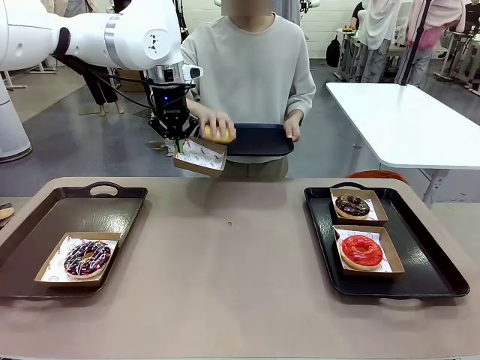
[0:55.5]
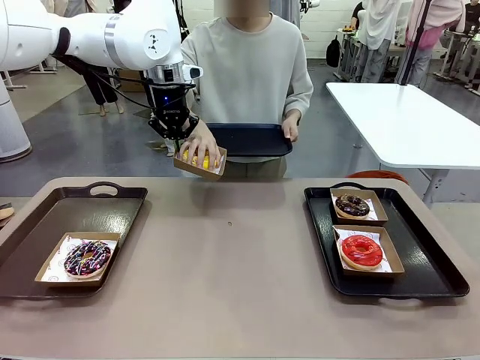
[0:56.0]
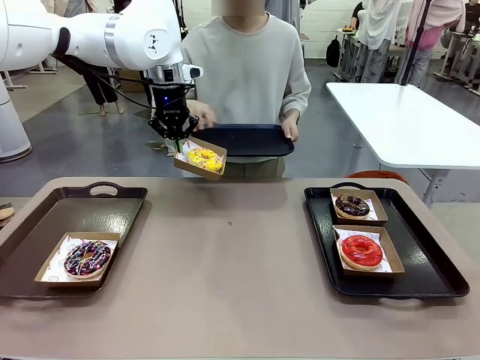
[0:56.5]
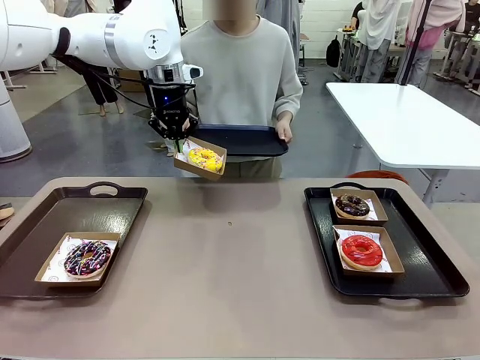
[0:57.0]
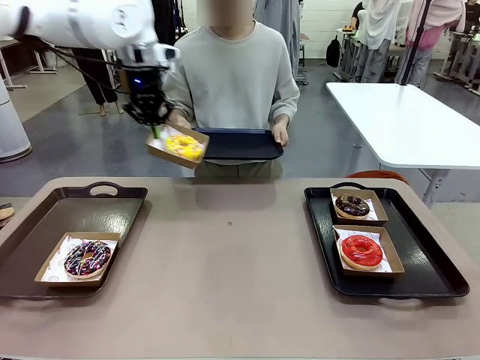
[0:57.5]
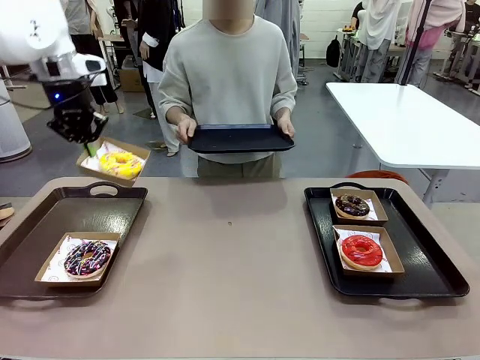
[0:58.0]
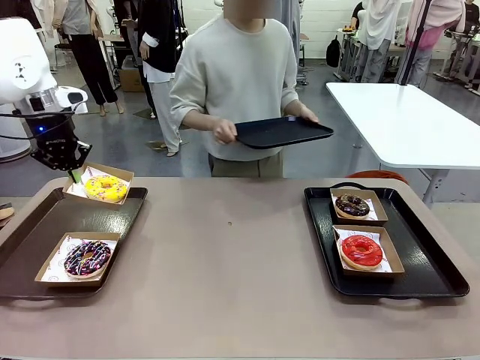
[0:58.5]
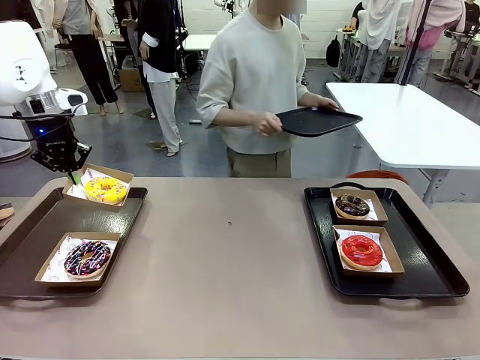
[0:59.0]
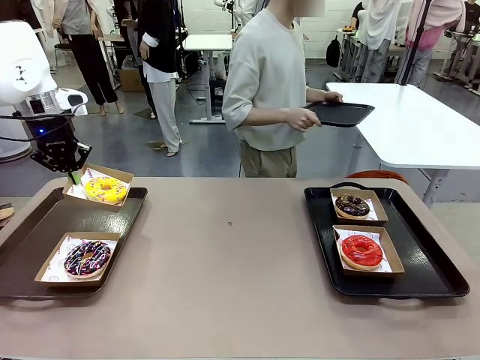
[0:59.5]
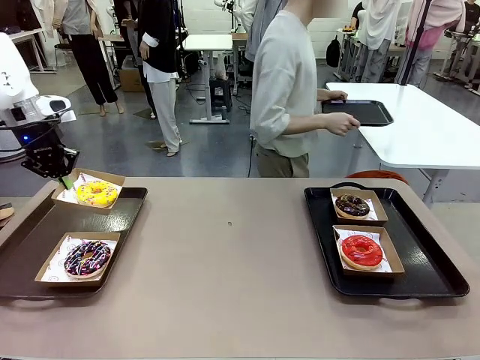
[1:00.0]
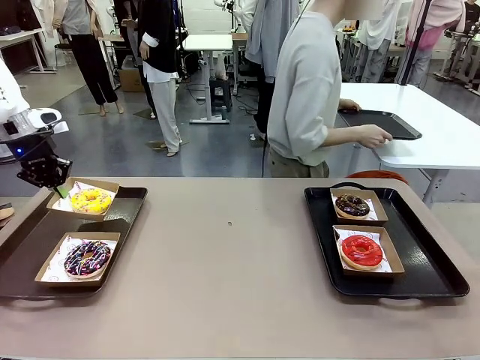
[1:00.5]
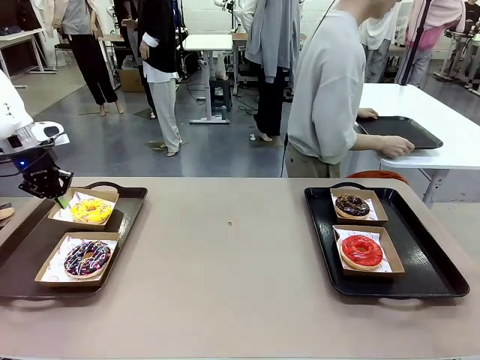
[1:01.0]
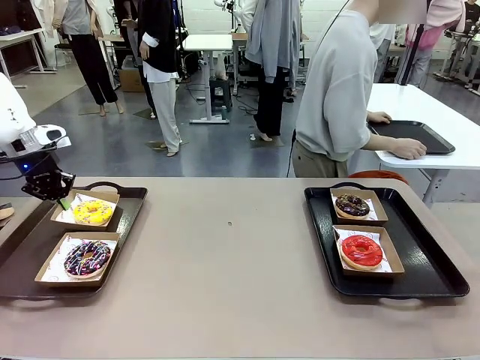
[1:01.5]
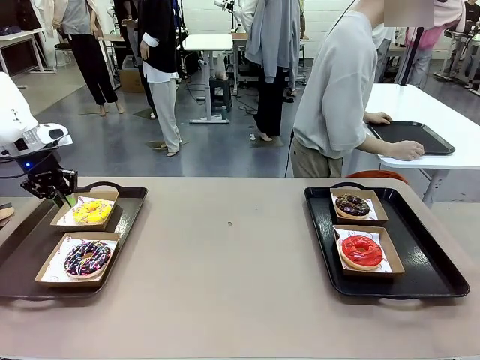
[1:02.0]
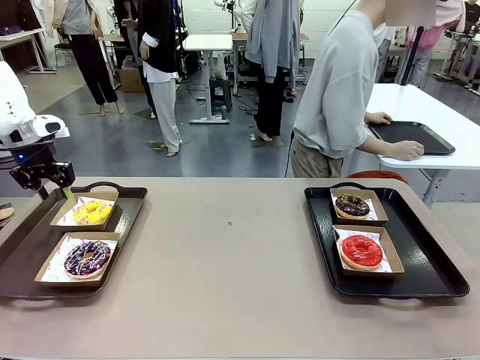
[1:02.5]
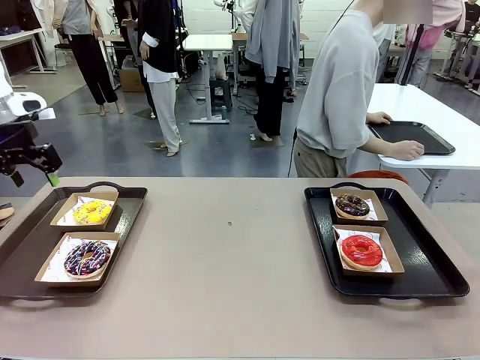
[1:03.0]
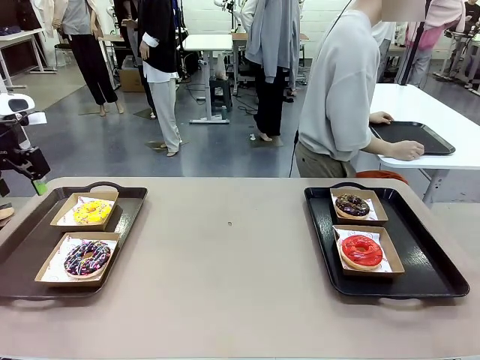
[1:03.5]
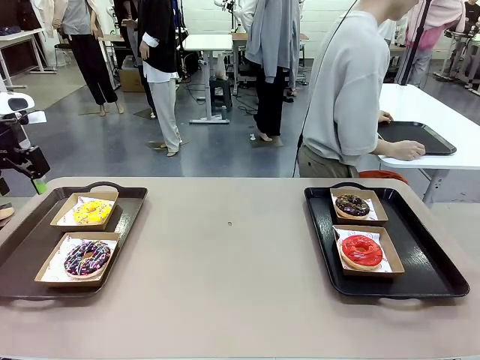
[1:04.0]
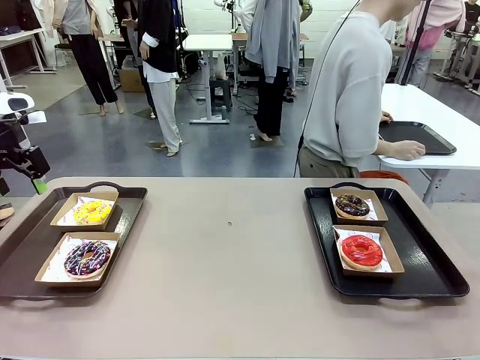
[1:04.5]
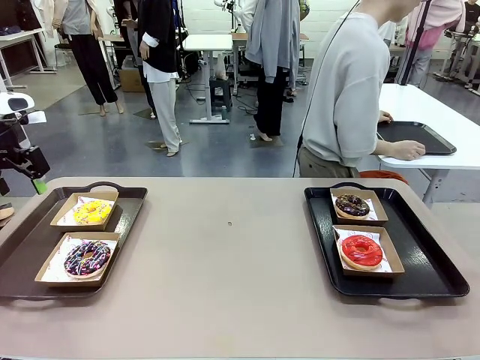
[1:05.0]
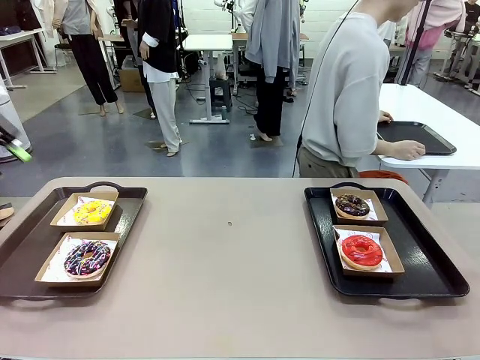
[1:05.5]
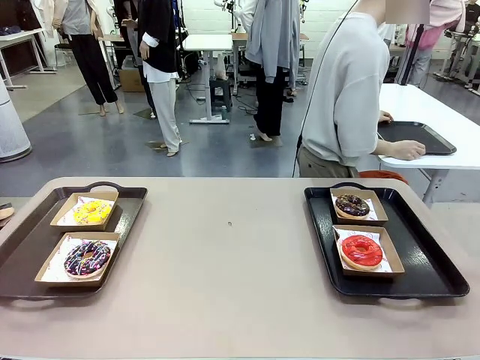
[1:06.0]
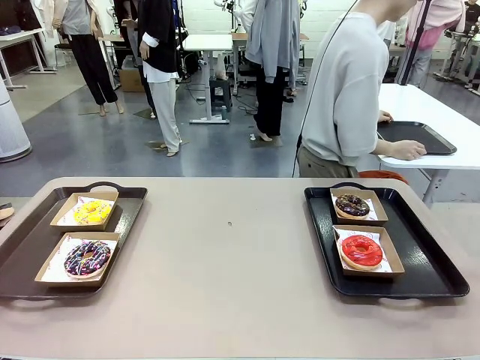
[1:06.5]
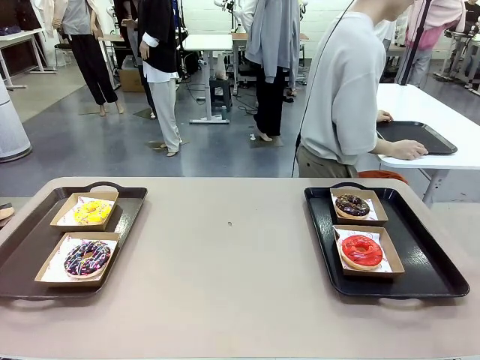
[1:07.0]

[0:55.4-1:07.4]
Task: Individually package the donuts and arrange them on the tray.
Robot: Place the picked Paper togo box on the Handle tray.
Person: Place the tray down in the middle of the human table.

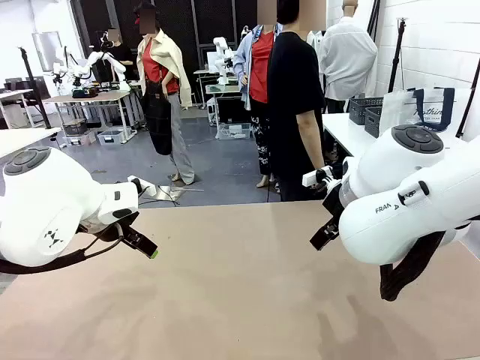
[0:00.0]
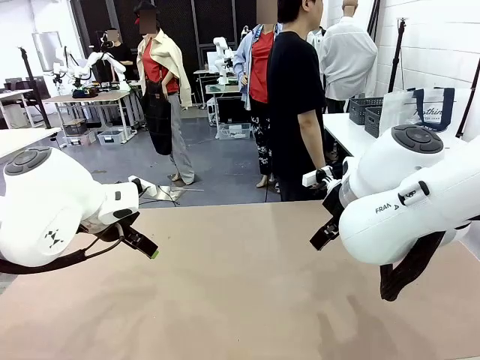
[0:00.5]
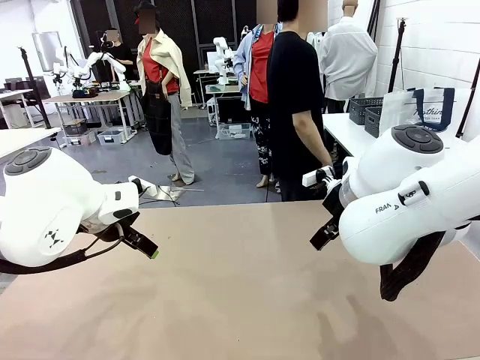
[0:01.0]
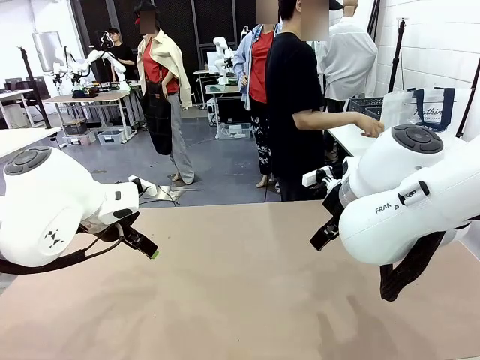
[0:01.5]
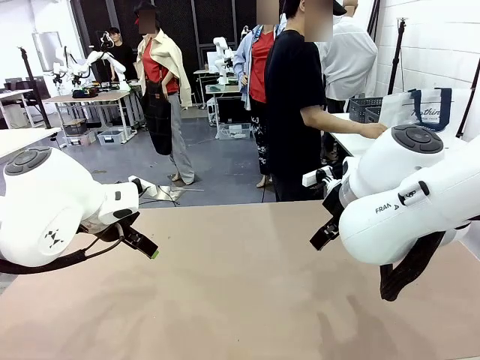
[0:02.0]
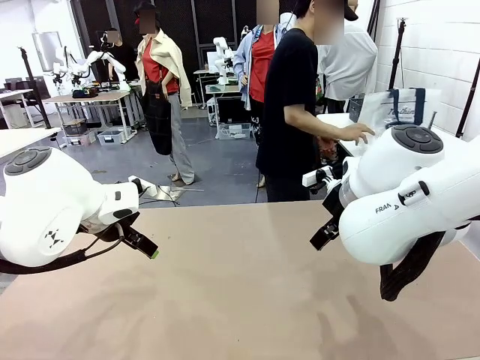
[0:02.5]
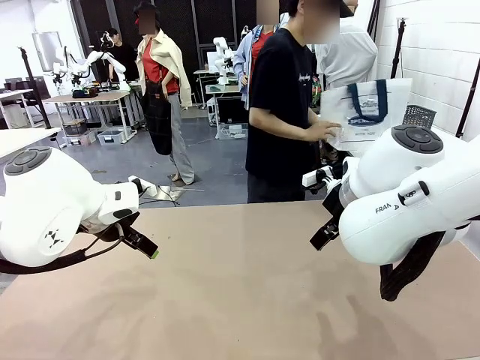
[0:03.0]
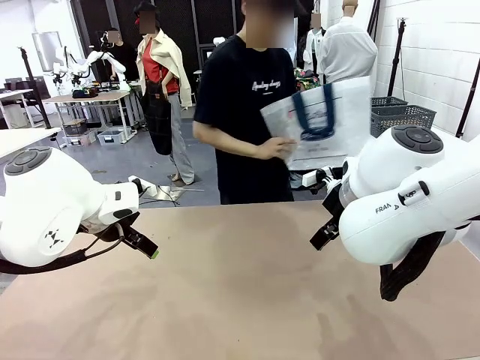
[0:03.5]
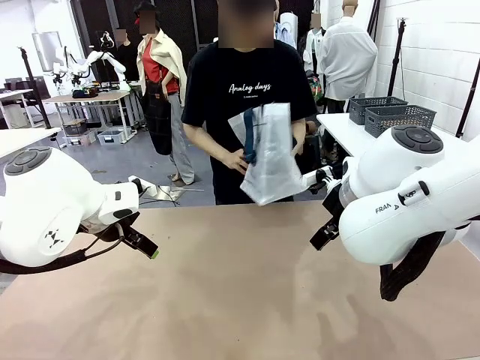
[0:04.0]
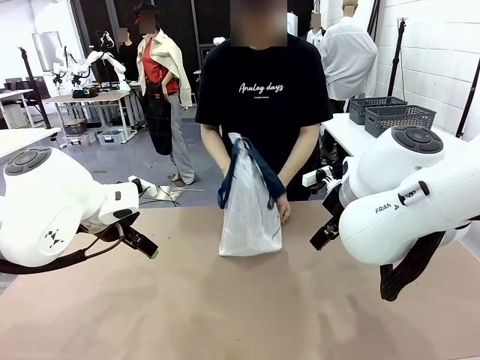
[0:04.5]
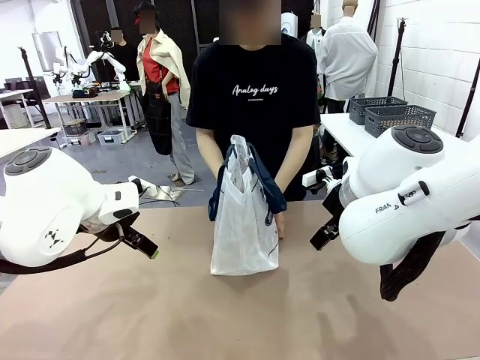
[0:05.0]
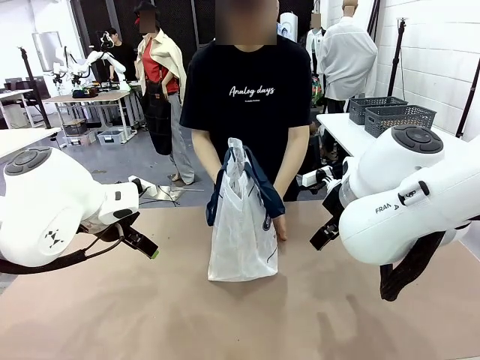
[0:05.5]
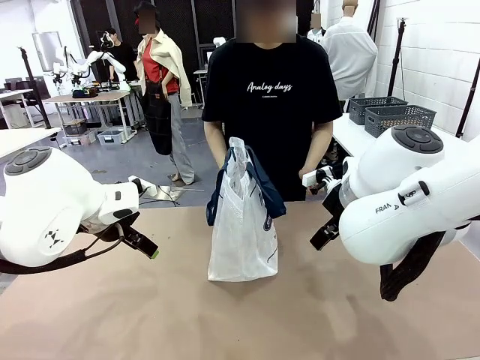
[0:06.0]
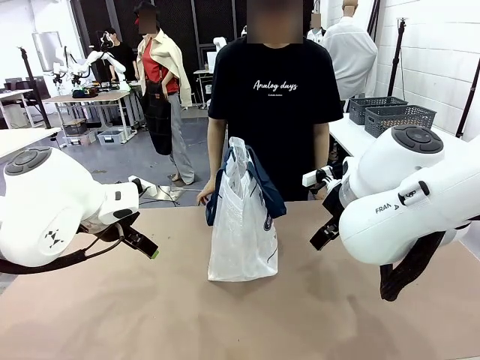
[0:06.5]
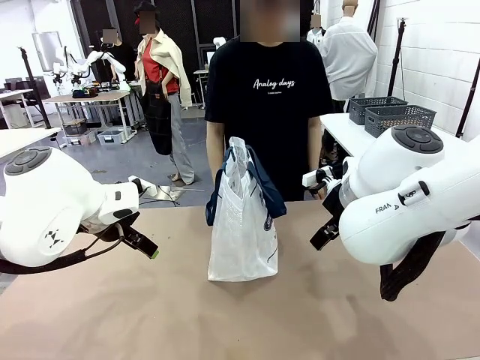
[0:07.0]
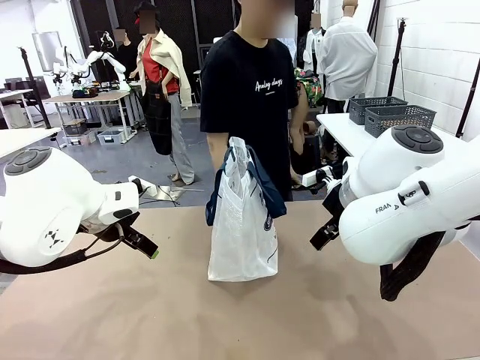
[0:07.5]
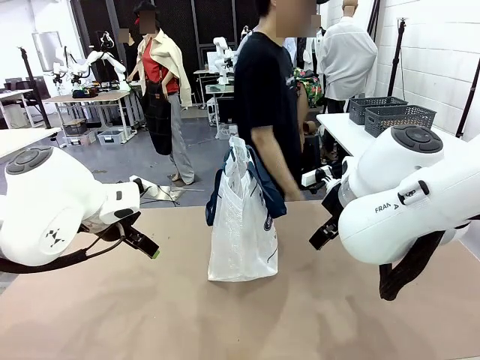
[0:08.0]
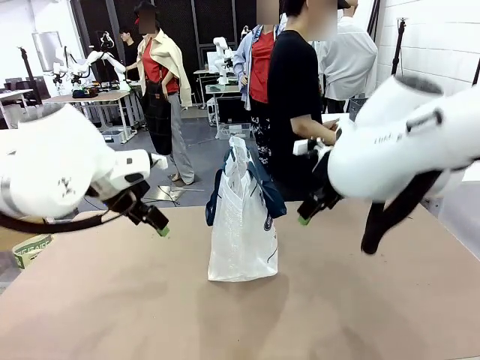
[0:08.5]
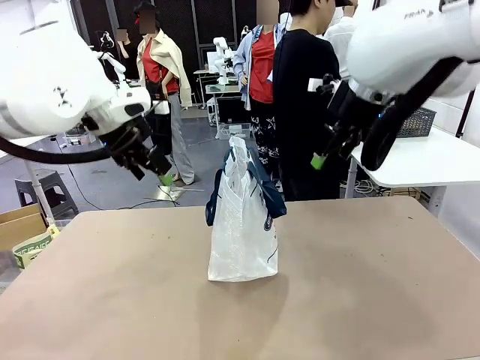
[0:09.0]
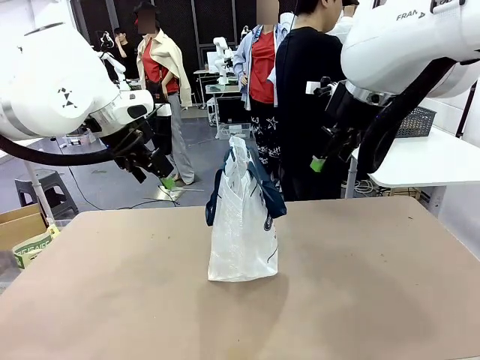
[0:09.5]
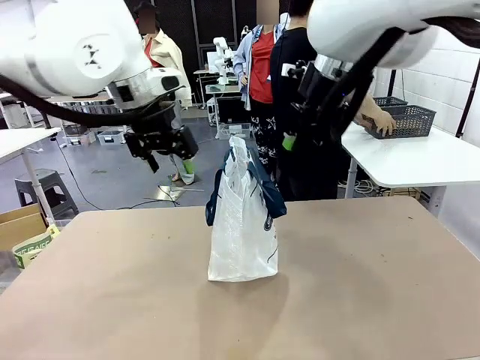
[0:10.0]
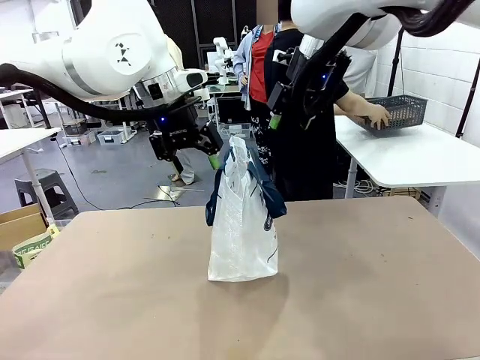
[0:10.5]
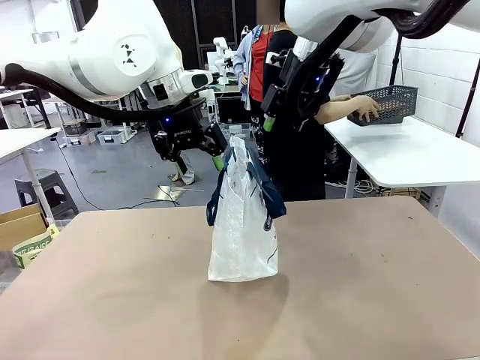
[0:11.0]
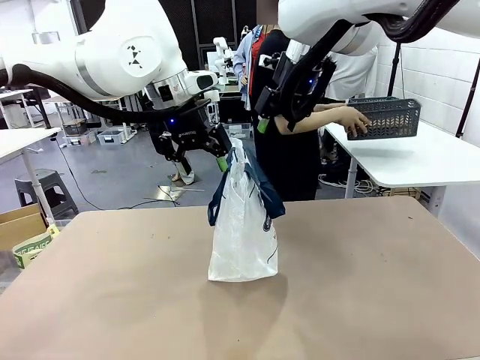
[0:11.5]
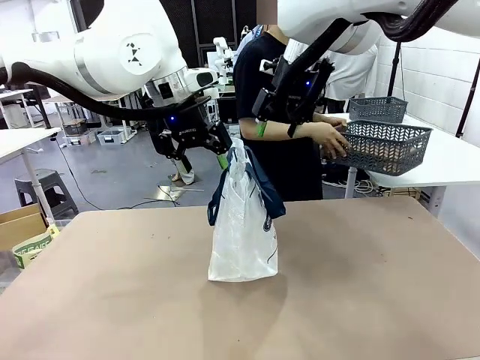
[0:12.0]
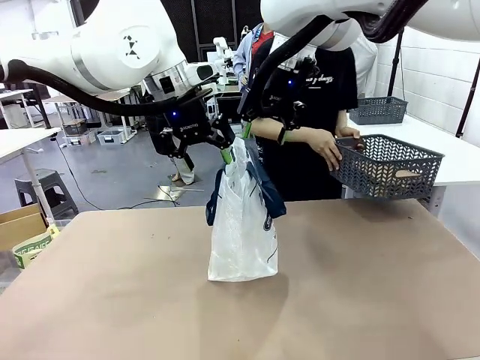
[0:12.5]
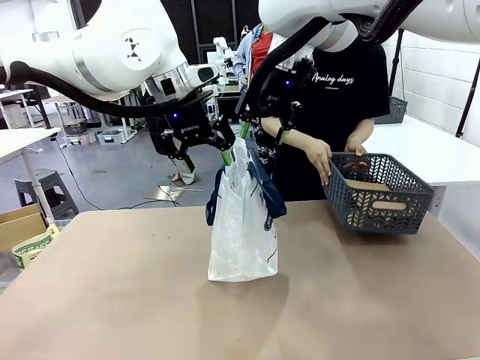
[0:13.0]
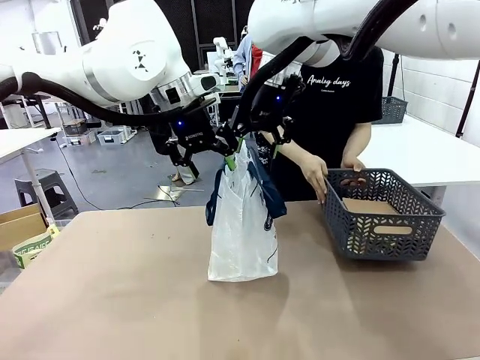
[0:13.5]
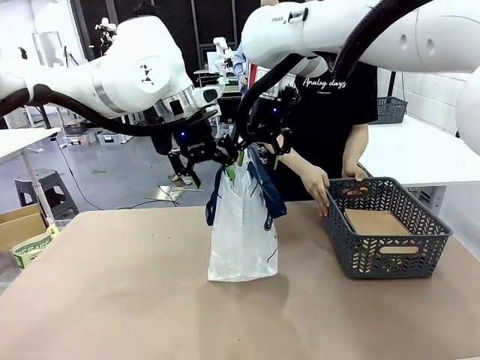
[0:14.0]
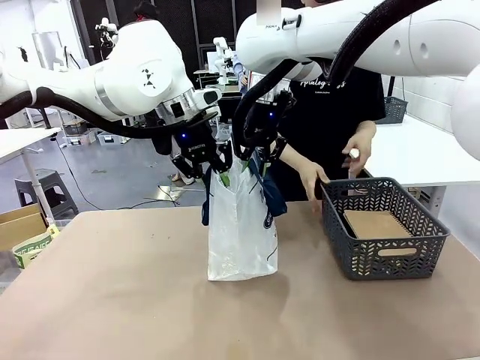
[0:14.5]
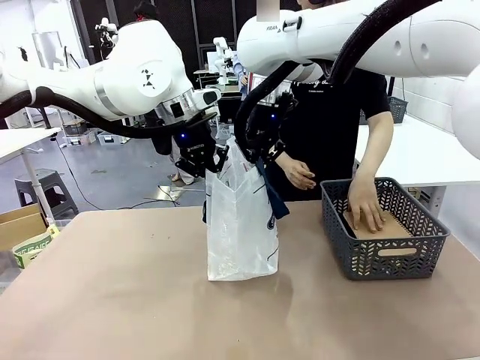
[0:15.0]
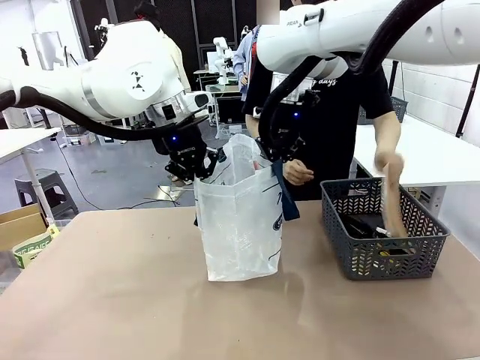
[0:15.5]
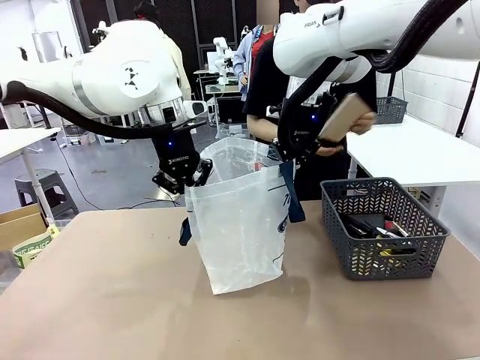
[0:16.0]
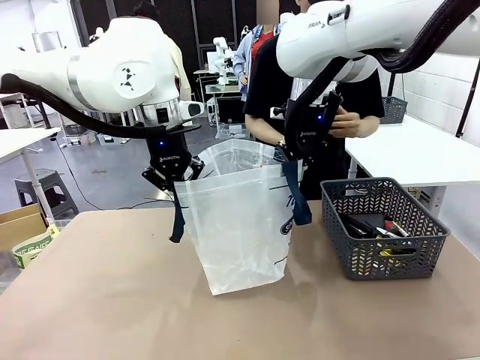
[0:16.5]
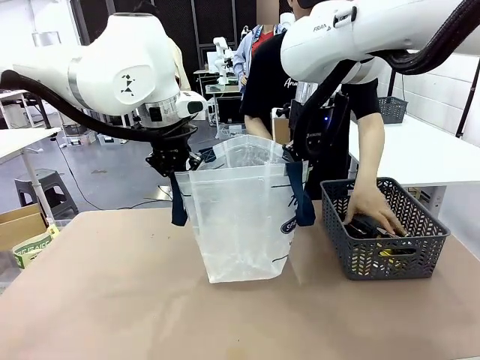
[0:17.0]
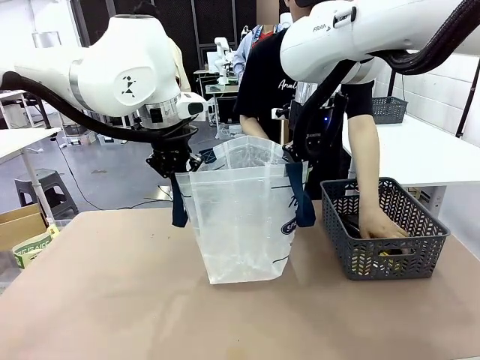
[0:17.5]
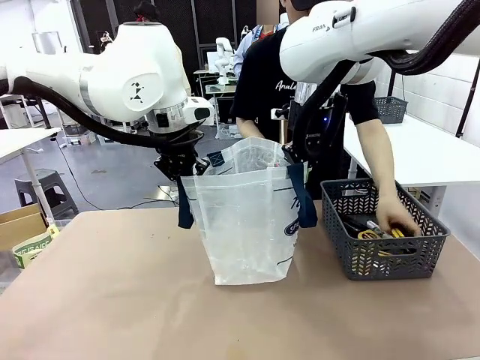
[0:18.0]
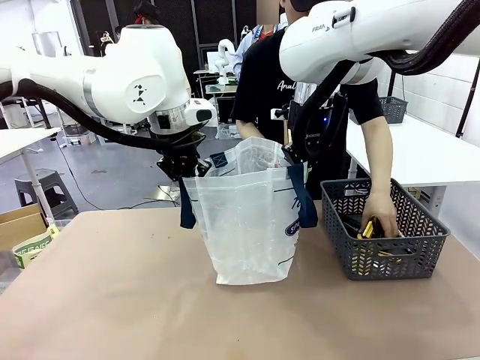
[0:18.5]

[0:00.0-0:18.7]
Task: Transfer purchased items from the store into the shopping bag.
Robot: Open the Reusable shopping bag in the center of the table.
Person: Pick up the shopping bag and place it in the middle of the robot table.
